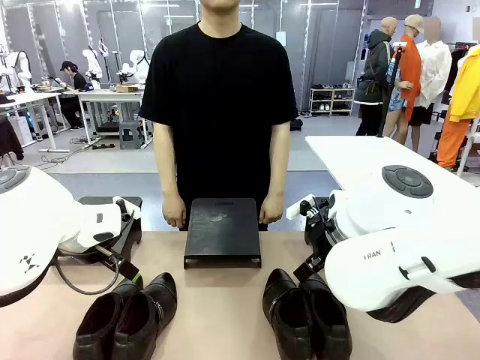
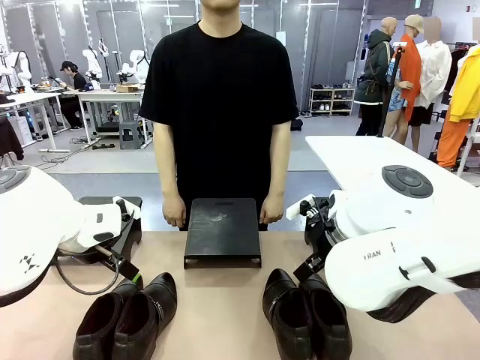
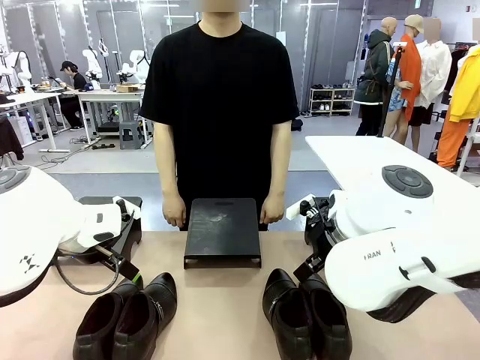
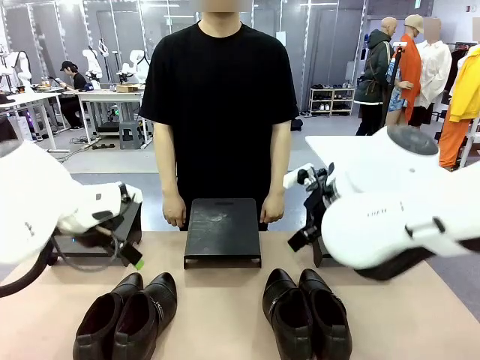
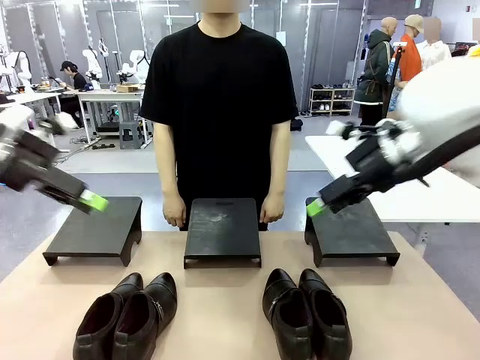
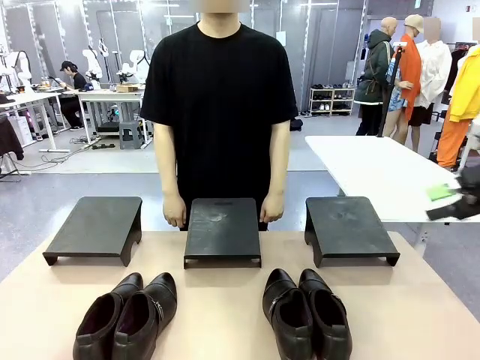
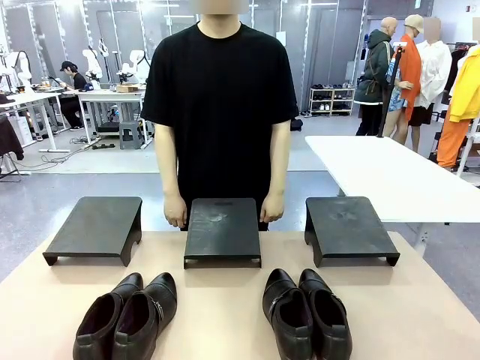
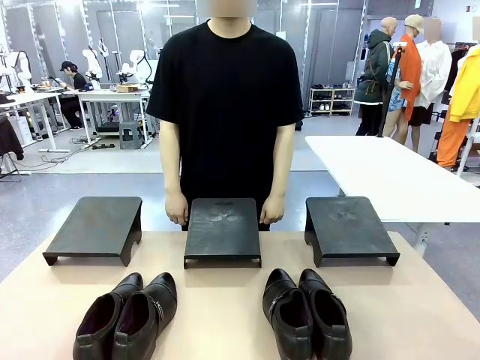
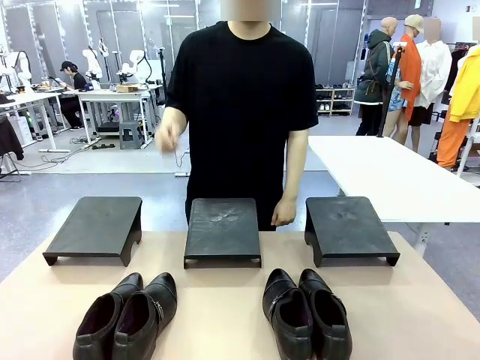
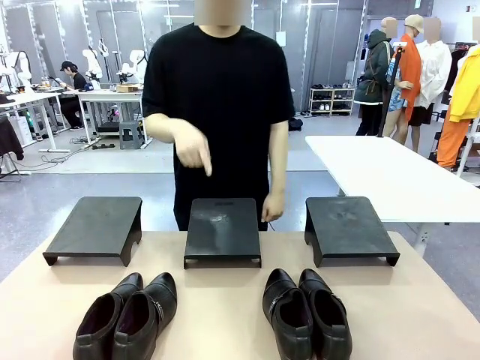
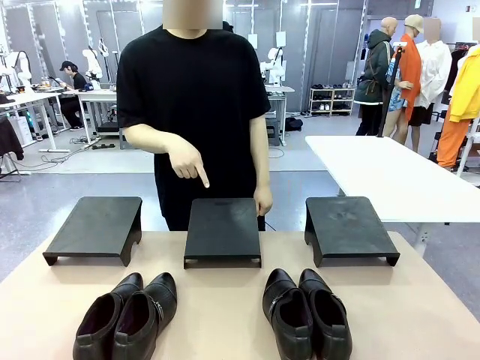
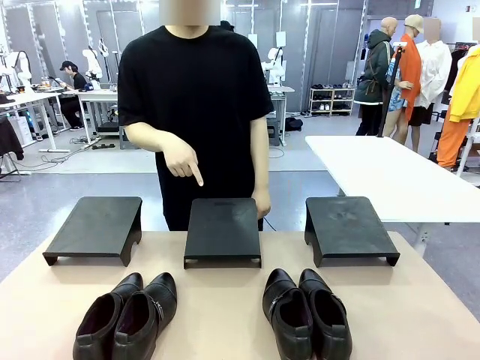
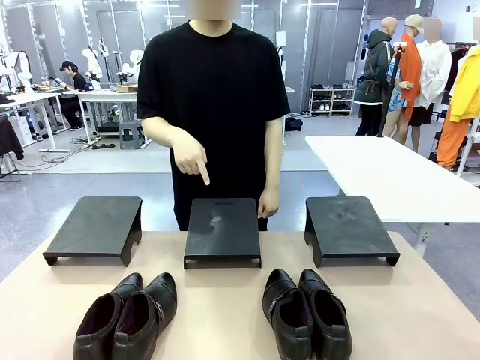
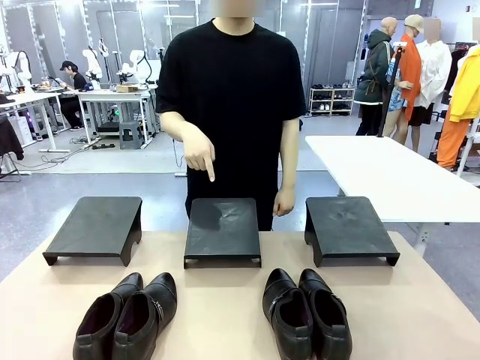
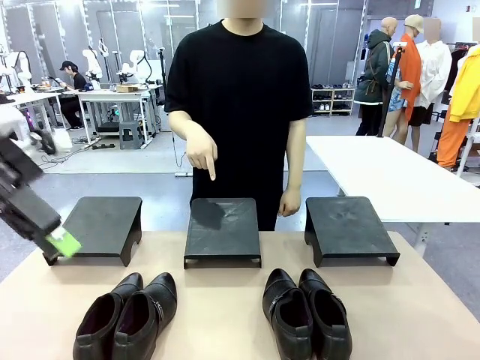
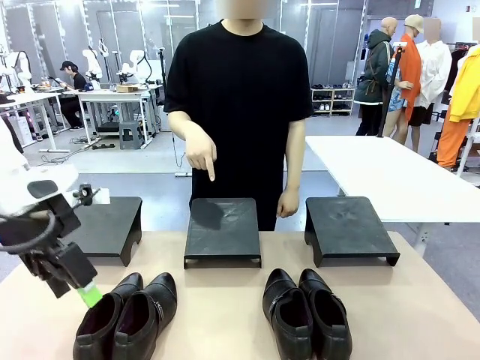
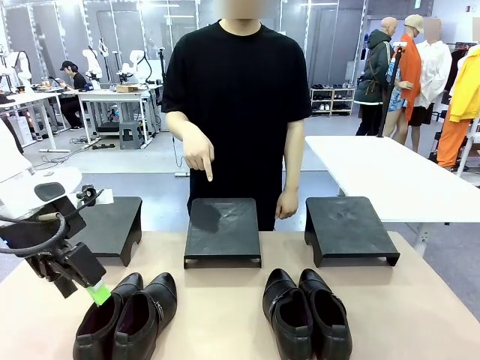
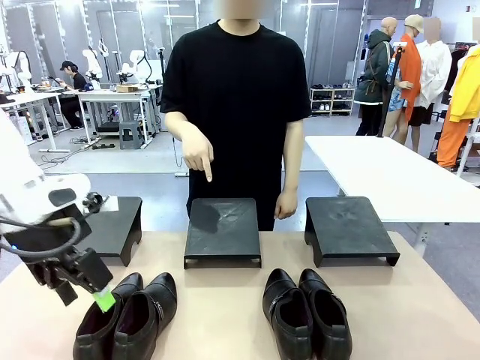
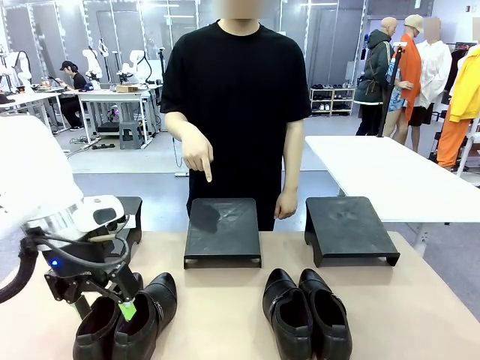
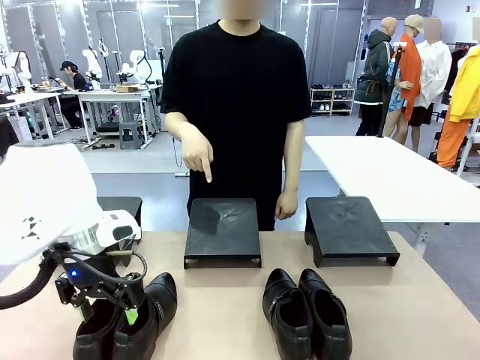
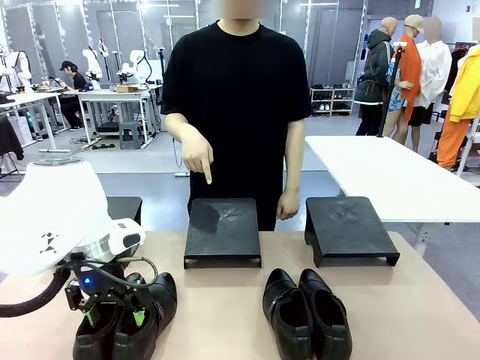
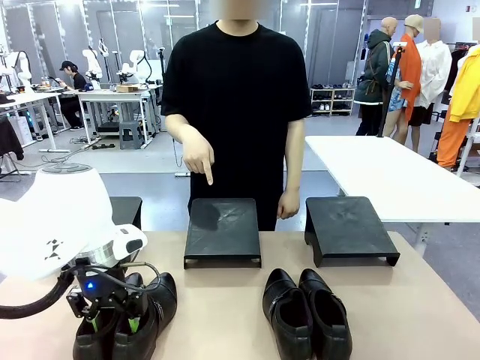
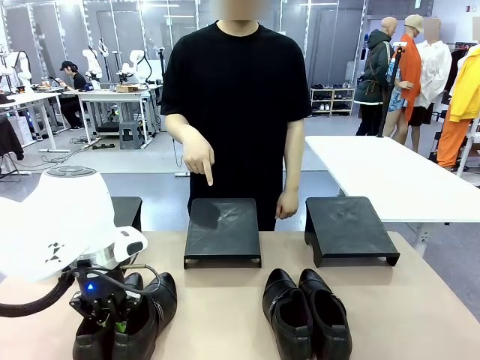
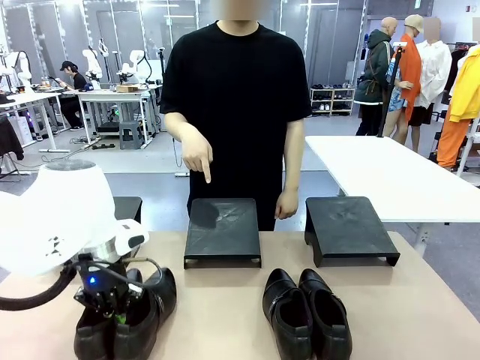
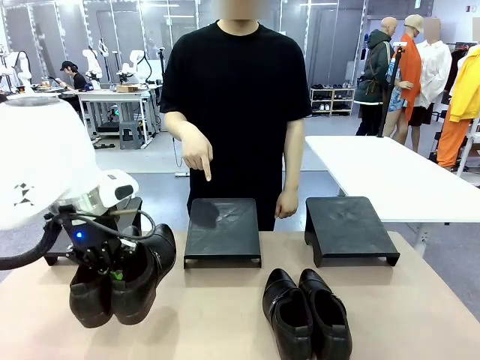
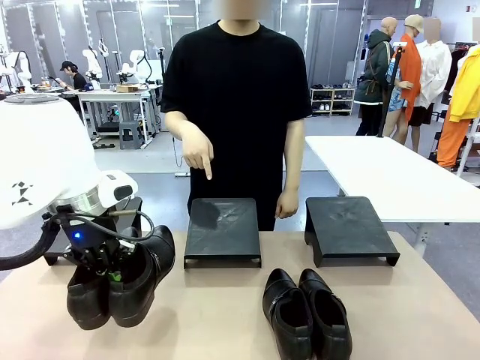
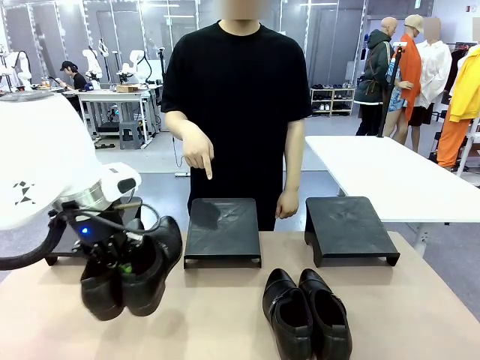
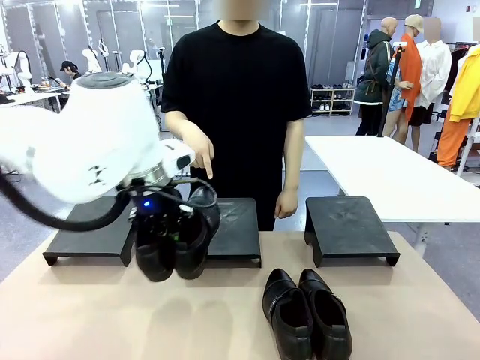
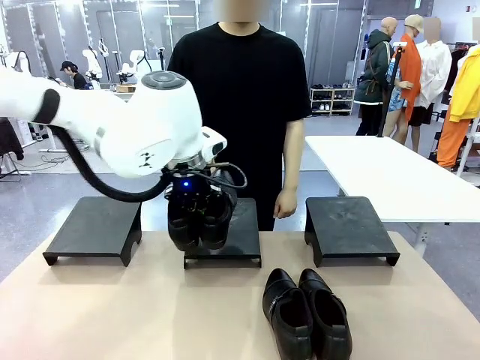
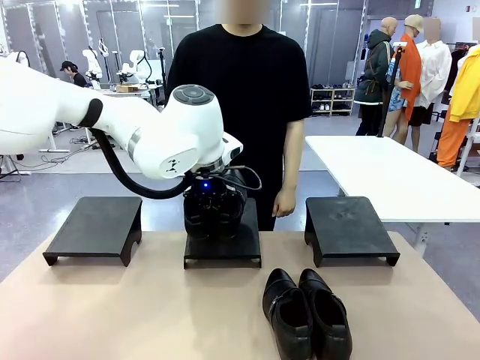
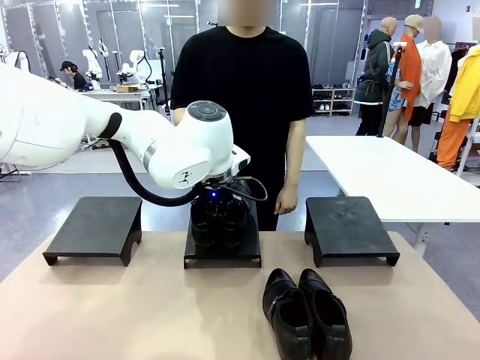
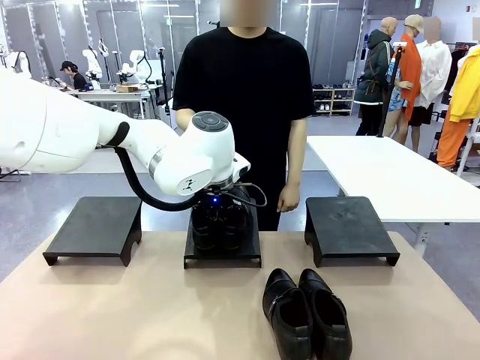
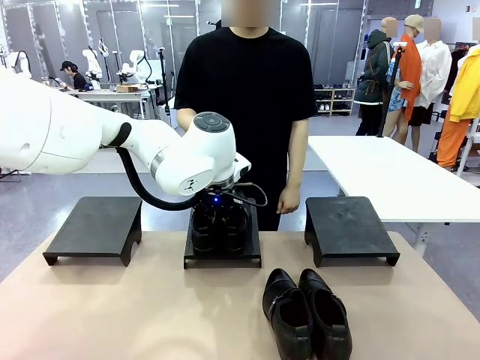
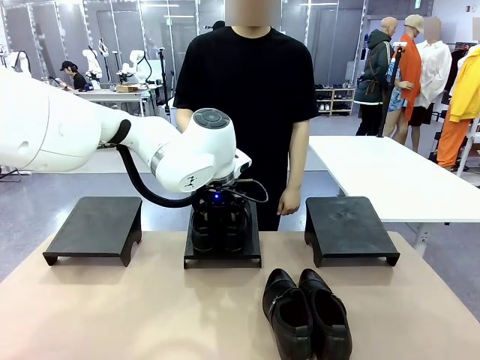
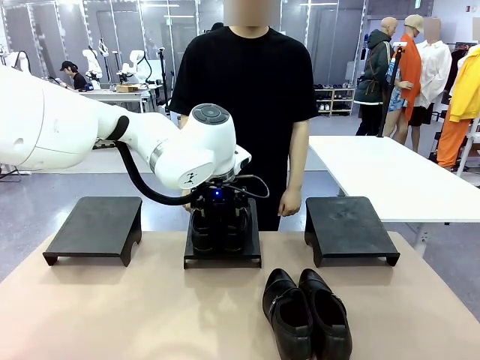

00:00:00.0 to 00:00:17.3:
Task: Place the shoes on the stand as instructed by the person.
Robot: Pick up one pair of Shoes and place it on the Shoes Stand indicated by the person.

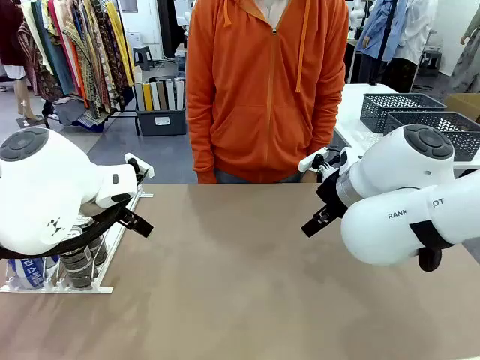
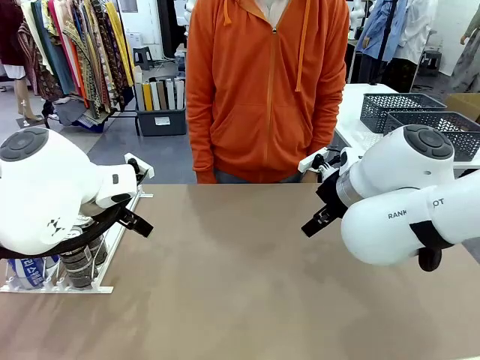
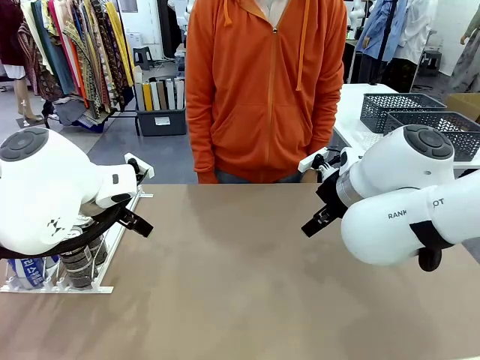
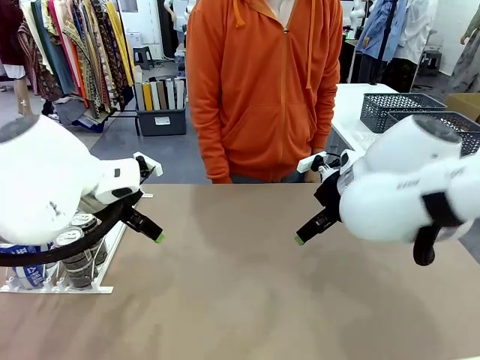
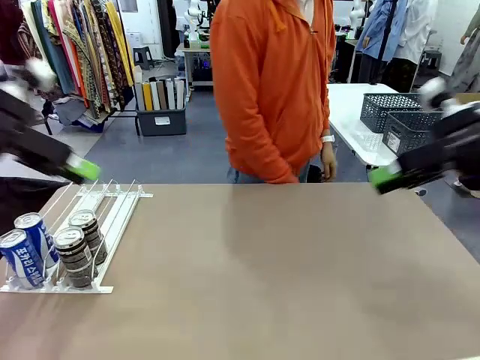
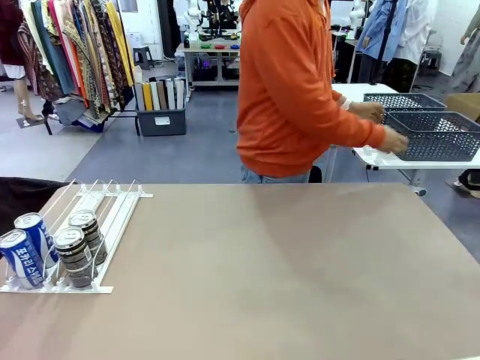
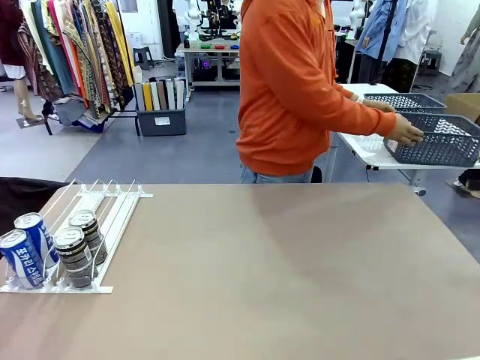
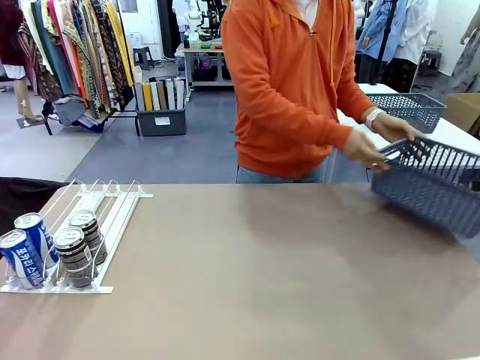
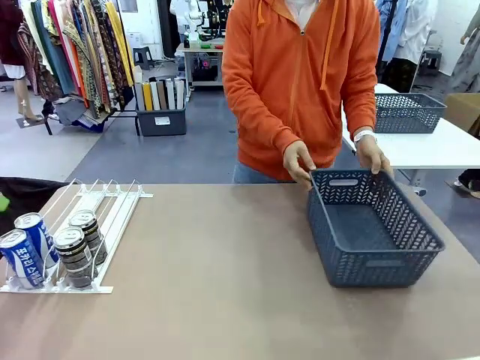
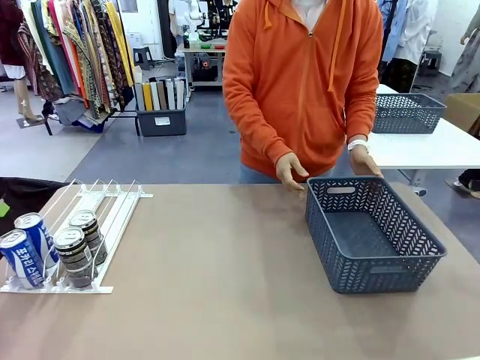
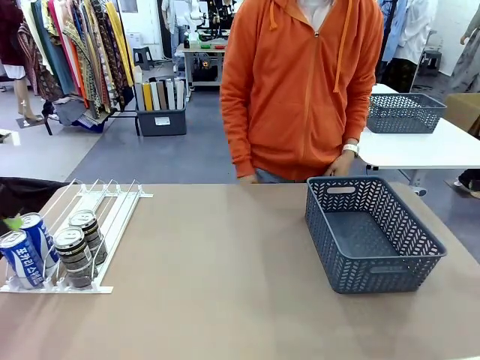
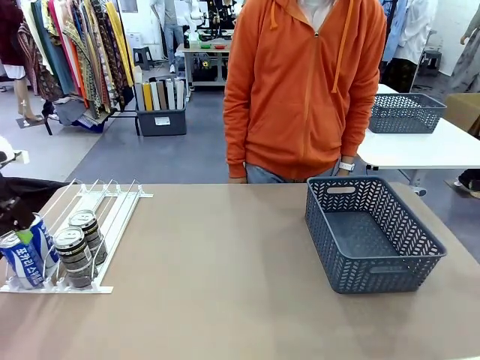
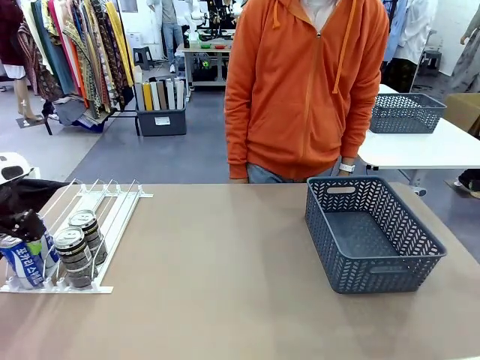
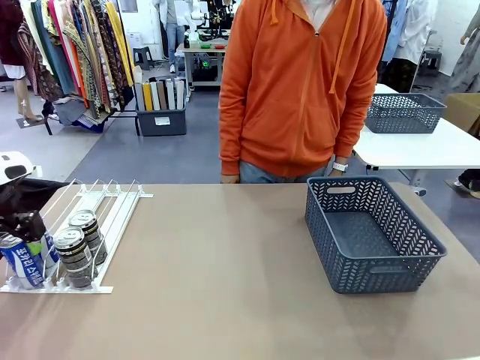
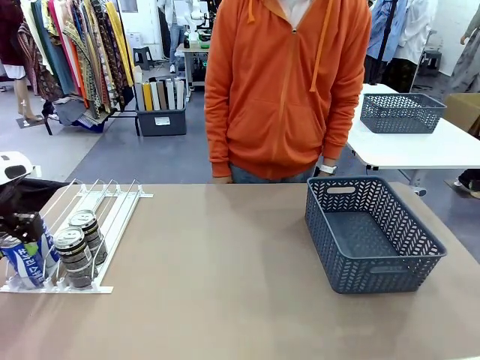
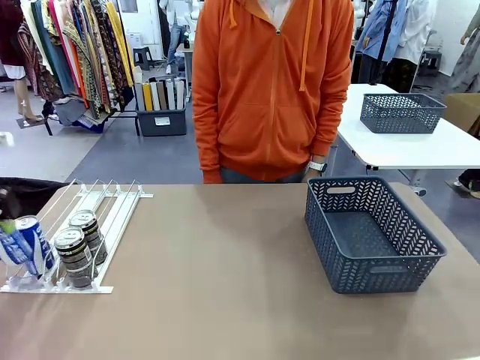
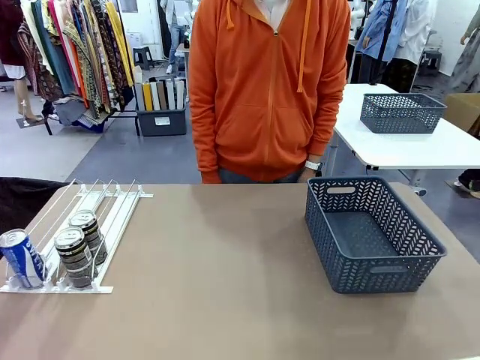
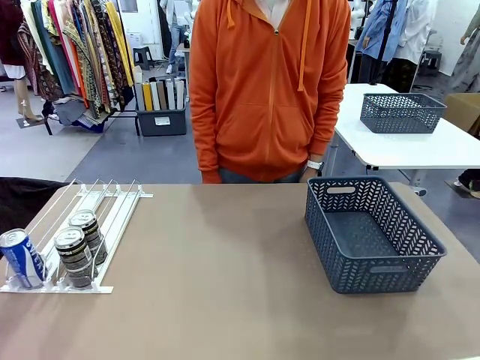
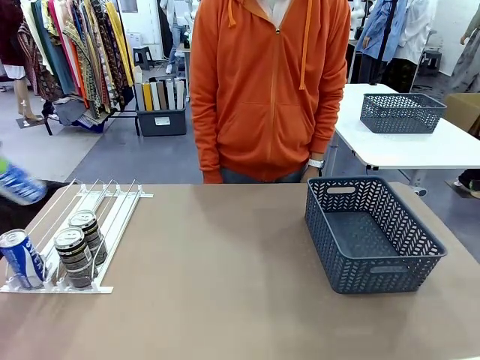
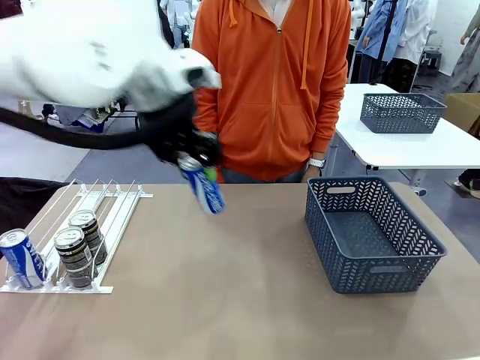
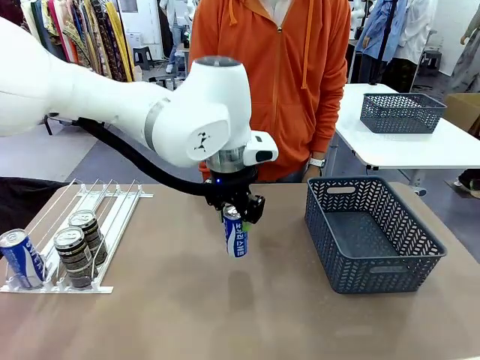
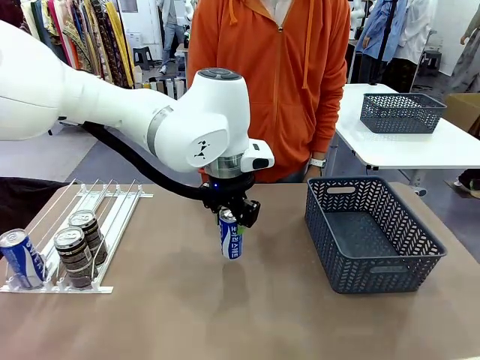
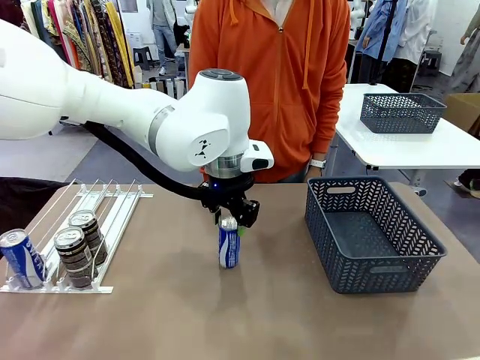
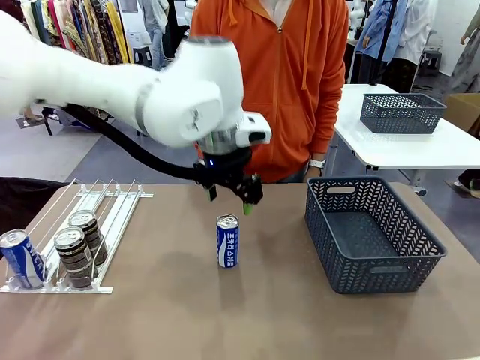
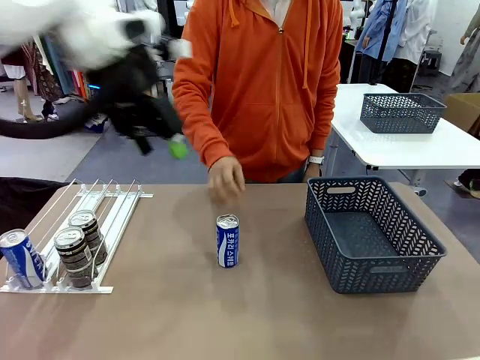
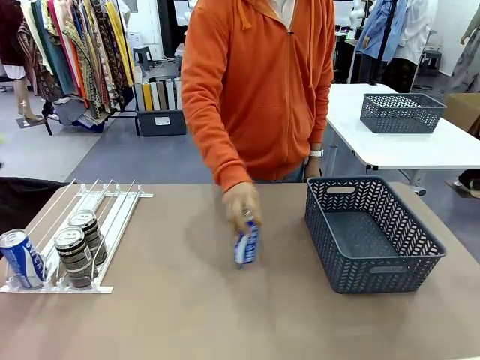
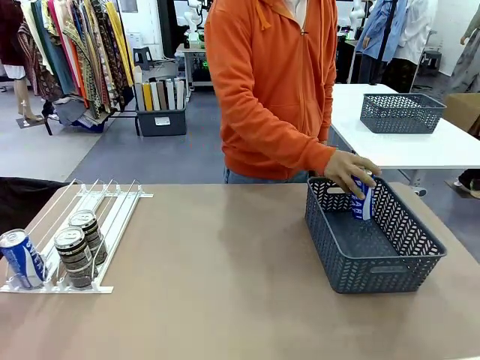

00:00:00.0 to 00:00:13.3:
Task: Retrieve and store the cans from the dispenser.
Robot: Pick up one can from the Automatic Can Dispenser and place it in the middle of the table.
Person: Pick up the basket and place it on the left side of the robot table.
